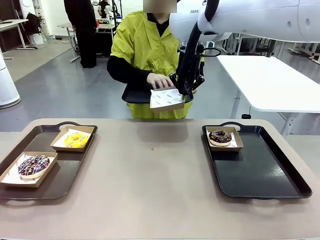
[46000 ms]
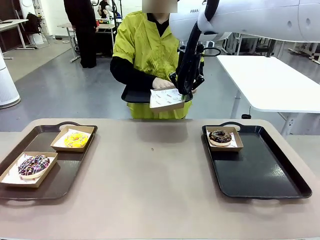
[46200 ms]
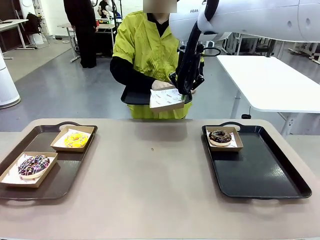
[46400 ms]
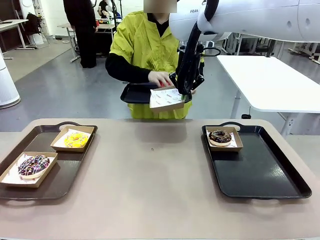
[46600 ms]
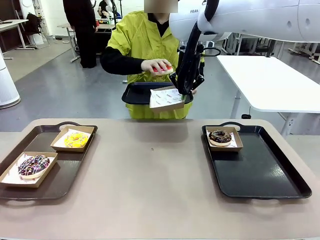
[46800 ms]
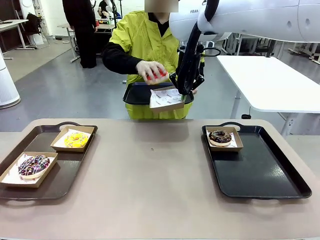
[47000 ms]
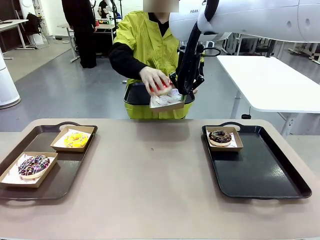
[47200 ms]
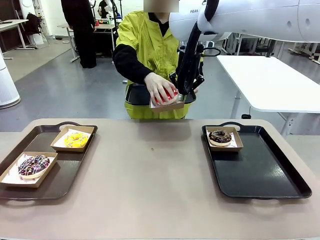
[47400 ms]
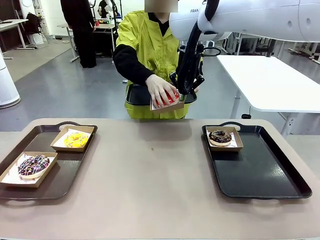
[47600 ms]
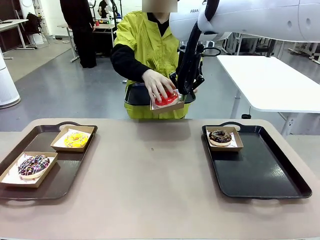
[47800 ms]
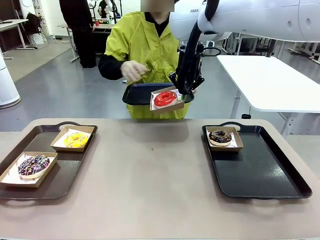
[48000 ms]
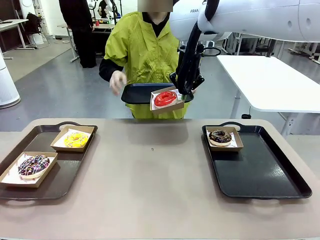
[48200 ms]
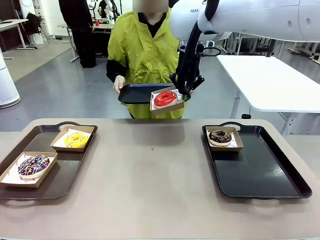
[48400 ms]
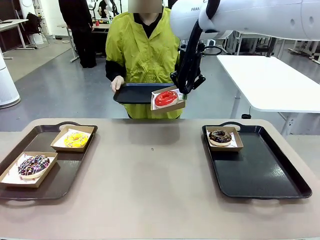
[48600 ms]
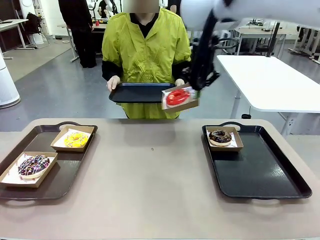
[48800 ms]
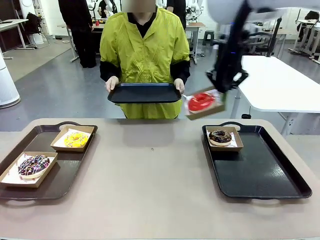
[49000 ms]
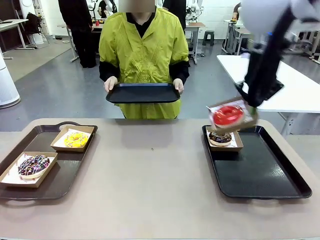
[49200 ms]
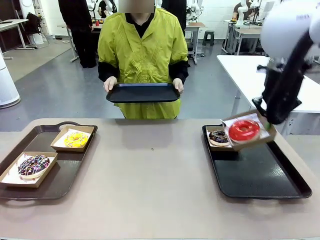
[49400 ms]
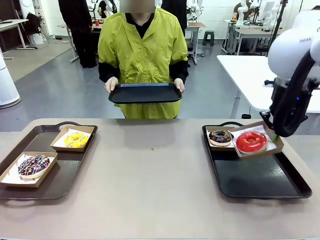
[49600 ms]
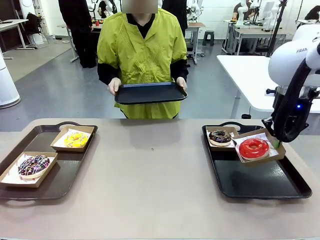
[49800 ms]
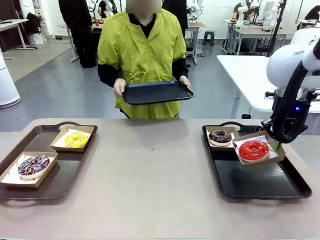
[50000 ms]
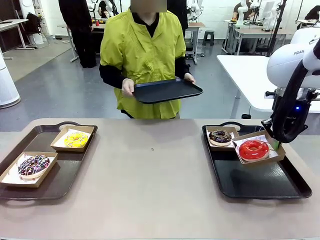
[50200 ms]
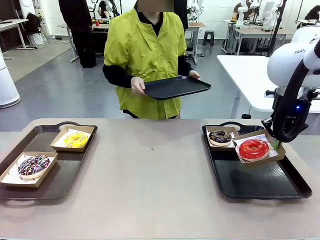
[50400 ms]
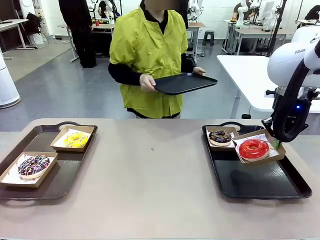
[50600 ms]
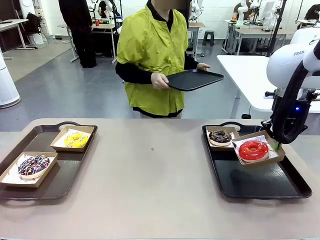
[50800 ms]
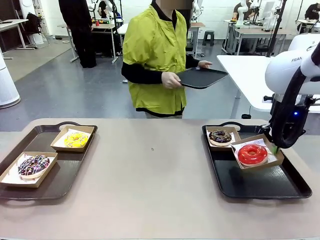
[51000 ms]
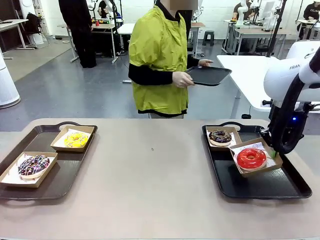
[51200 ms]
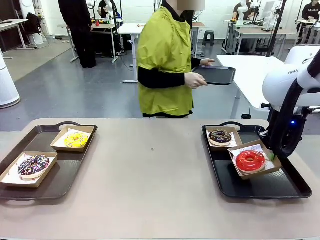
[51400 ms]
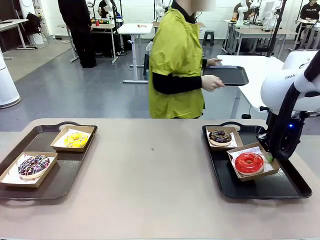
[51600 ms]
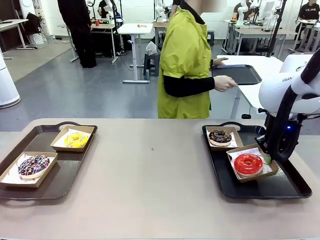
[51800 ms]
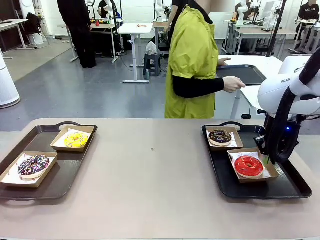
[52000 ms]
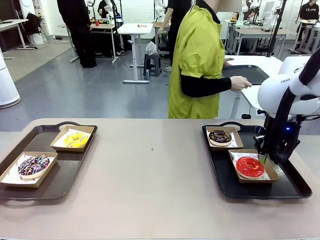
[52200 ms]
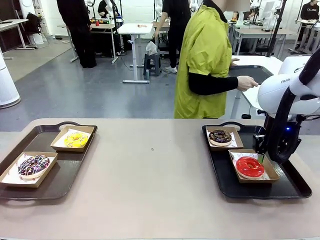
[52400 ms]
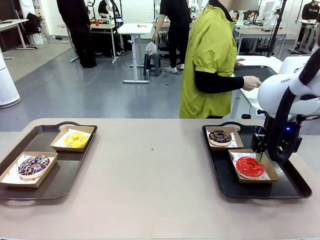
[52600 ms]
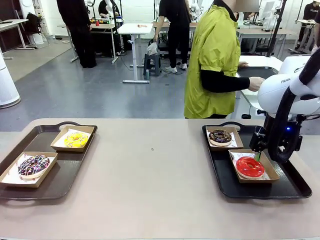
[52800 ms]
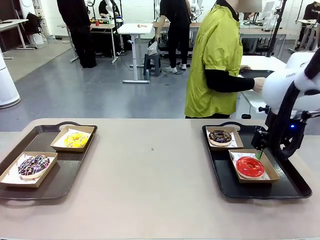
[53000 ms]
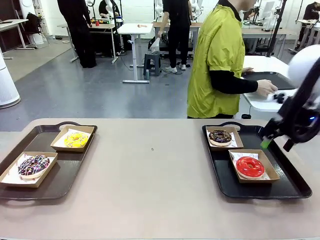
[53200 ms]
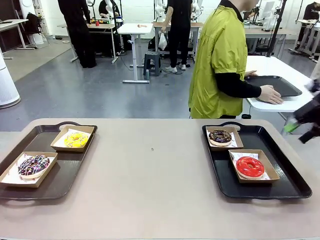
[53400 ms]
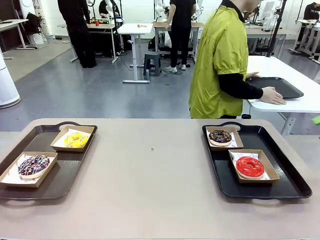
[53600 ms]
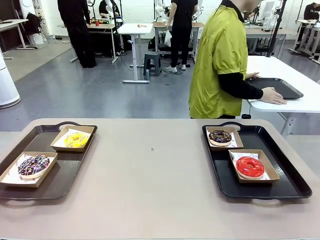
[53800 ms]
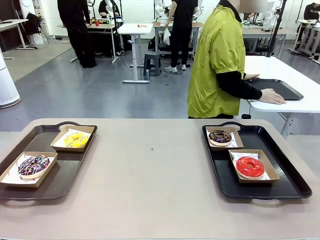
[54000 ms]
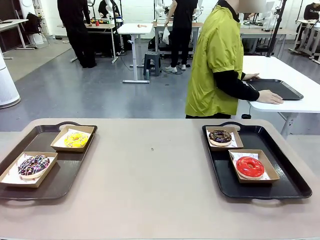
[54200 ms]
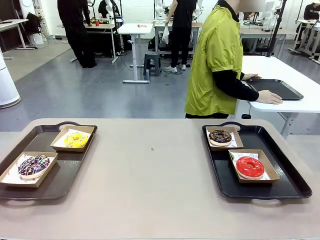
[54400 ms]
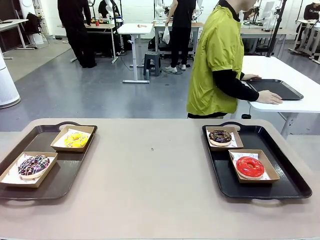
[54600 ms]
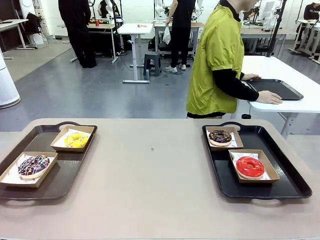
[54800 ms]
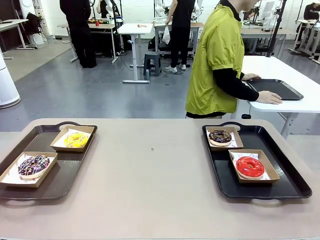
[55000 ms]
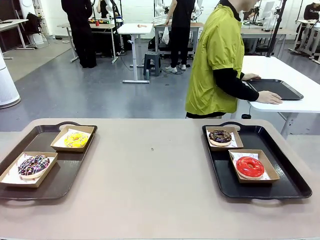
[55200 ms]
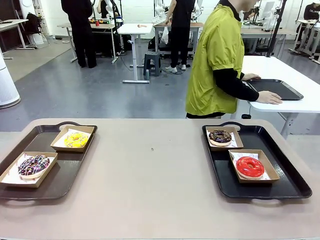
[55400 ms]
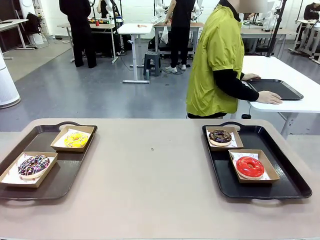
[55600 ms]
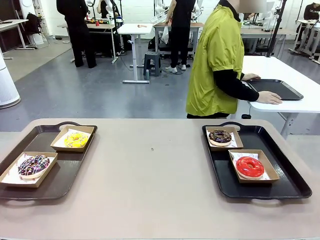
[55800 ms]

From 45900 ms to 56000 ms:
Task: Individually package the donuts and arrange them on the tray.
Robot: Place the picked Paper togo box on the Handle tray.
Person: Place the tray down in the middle of the human table.

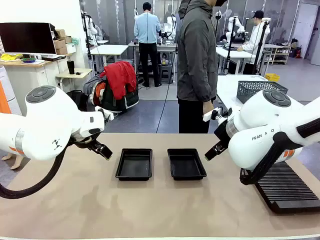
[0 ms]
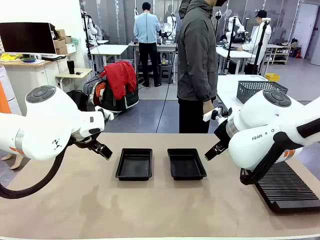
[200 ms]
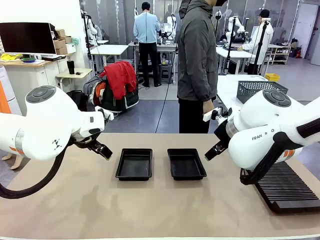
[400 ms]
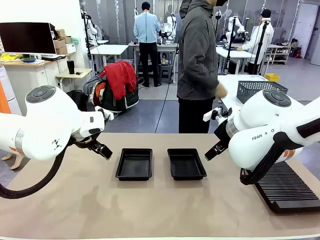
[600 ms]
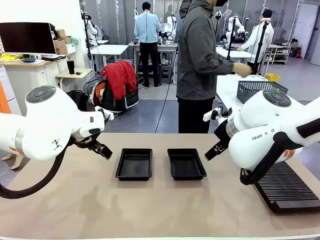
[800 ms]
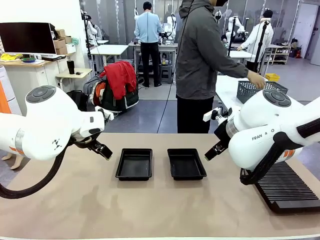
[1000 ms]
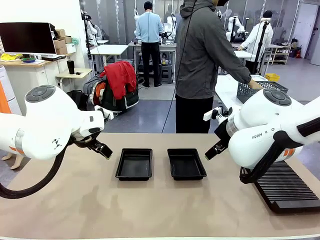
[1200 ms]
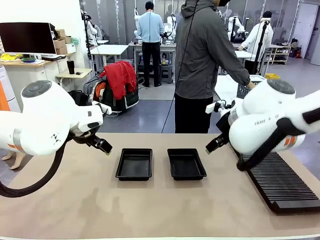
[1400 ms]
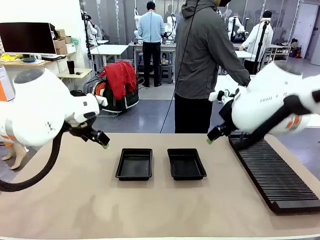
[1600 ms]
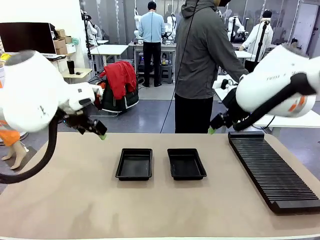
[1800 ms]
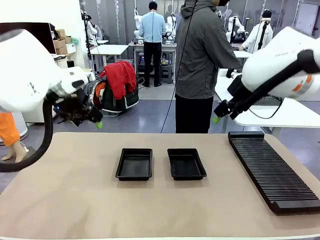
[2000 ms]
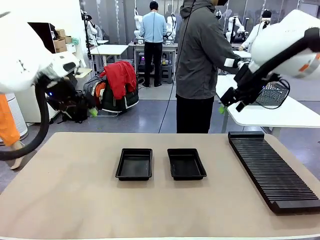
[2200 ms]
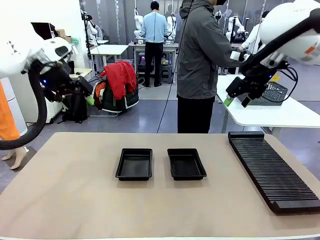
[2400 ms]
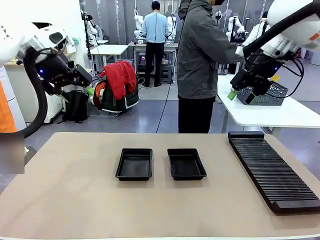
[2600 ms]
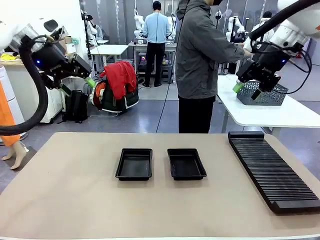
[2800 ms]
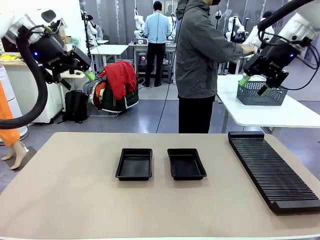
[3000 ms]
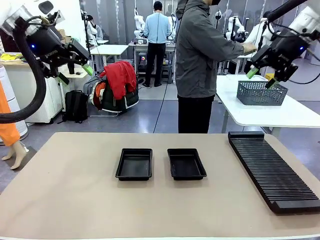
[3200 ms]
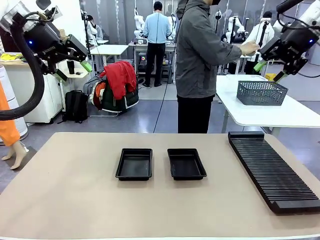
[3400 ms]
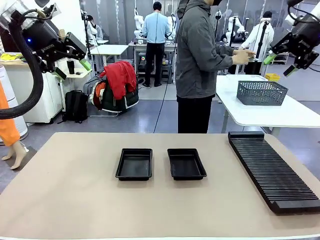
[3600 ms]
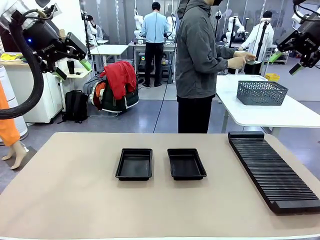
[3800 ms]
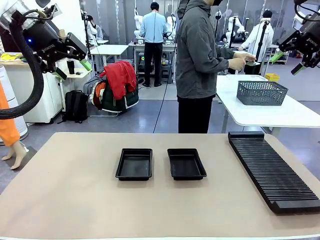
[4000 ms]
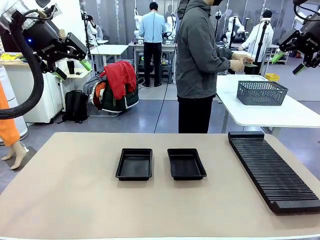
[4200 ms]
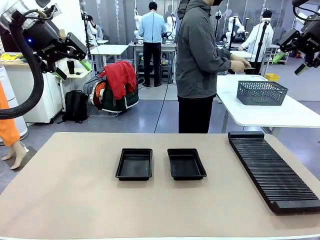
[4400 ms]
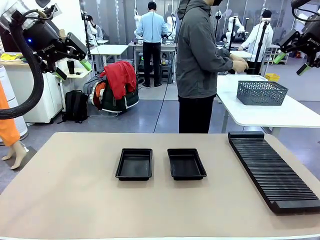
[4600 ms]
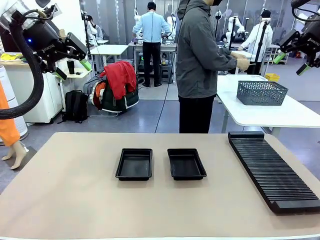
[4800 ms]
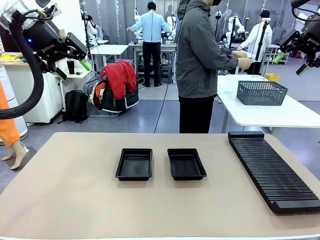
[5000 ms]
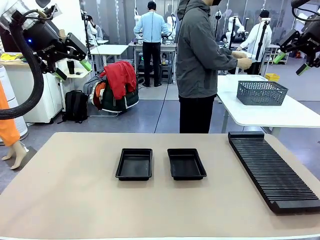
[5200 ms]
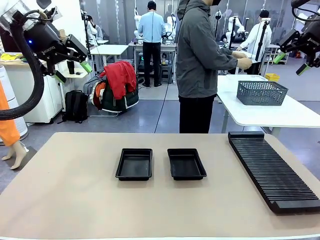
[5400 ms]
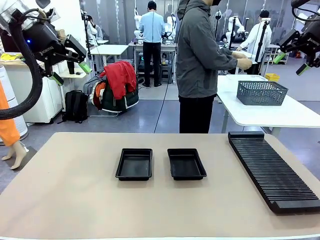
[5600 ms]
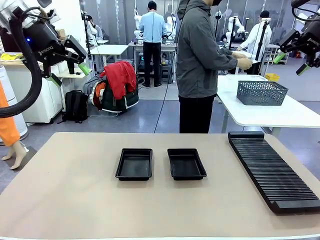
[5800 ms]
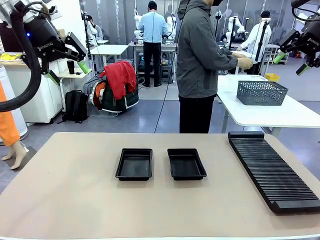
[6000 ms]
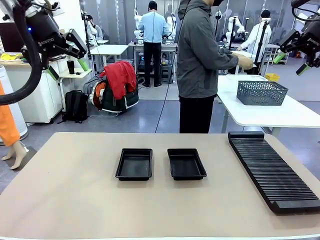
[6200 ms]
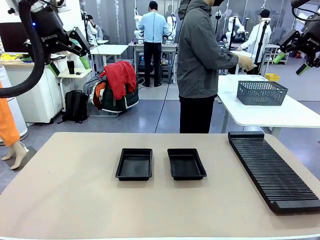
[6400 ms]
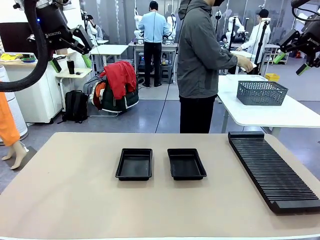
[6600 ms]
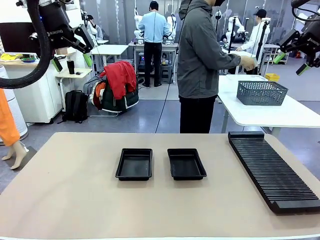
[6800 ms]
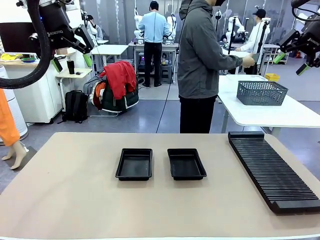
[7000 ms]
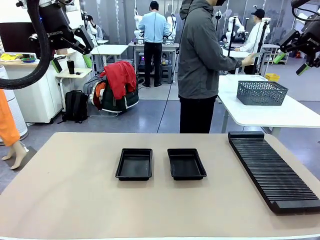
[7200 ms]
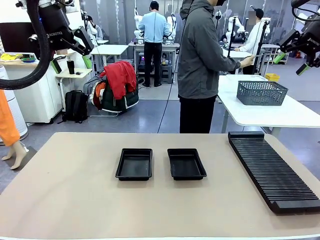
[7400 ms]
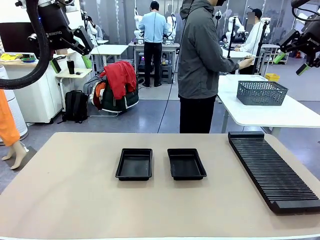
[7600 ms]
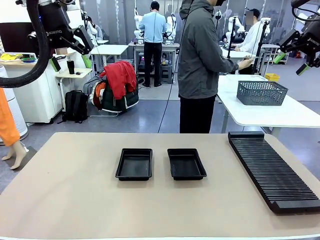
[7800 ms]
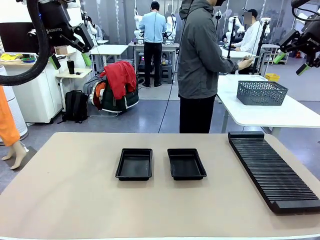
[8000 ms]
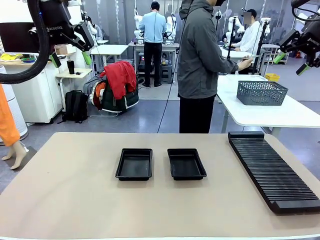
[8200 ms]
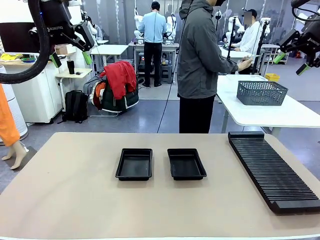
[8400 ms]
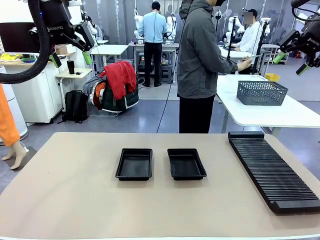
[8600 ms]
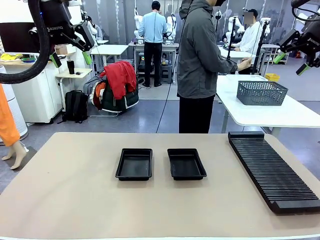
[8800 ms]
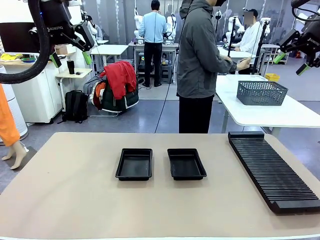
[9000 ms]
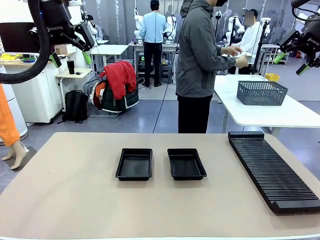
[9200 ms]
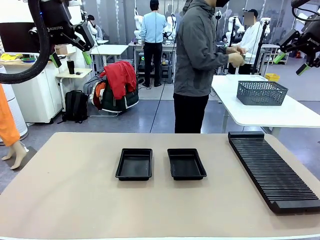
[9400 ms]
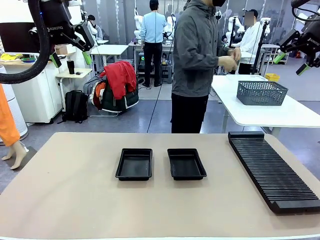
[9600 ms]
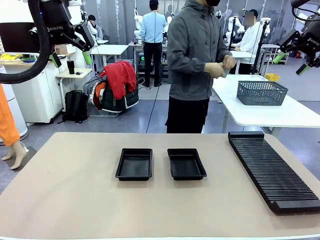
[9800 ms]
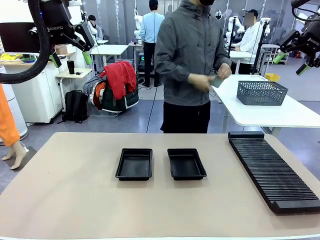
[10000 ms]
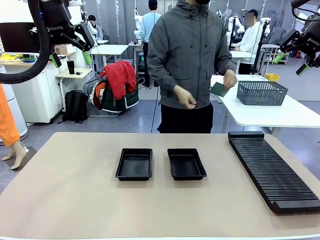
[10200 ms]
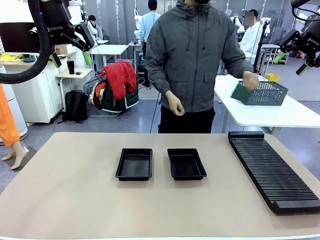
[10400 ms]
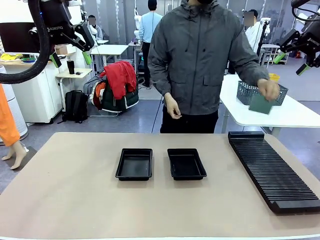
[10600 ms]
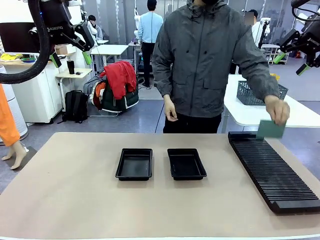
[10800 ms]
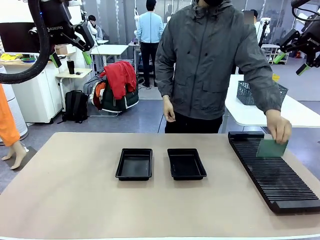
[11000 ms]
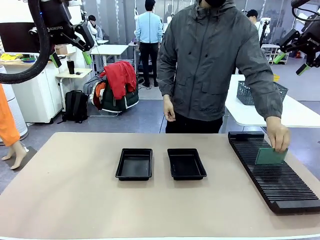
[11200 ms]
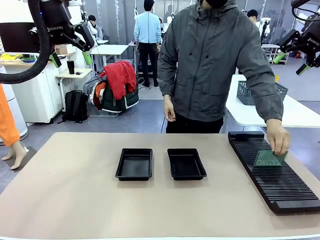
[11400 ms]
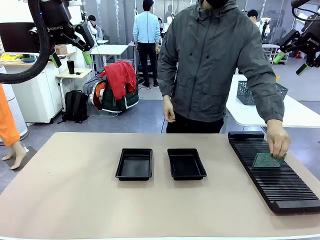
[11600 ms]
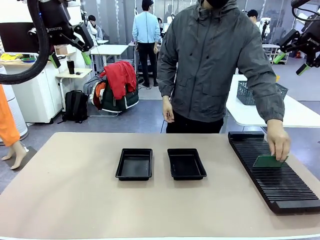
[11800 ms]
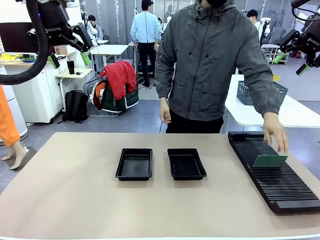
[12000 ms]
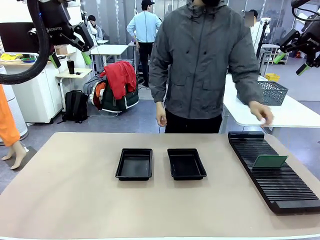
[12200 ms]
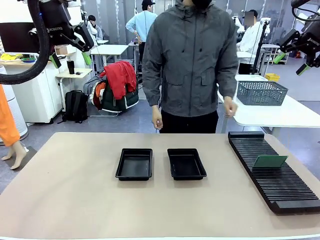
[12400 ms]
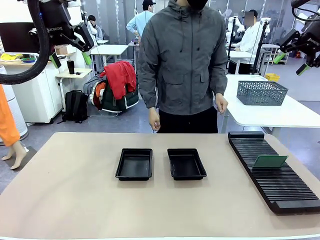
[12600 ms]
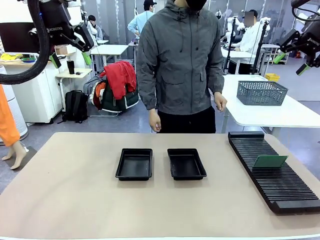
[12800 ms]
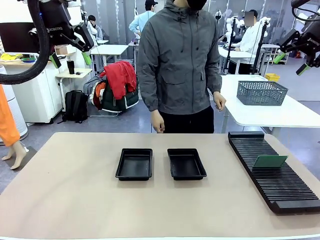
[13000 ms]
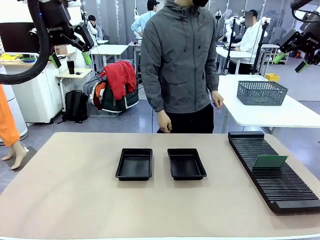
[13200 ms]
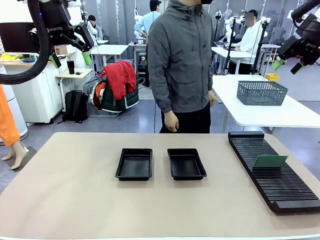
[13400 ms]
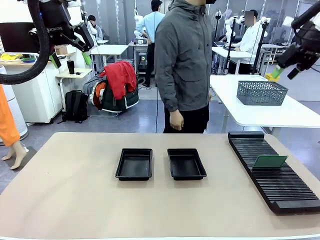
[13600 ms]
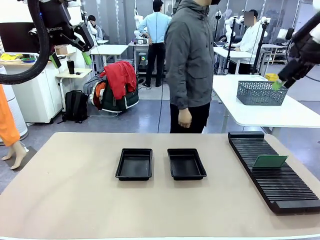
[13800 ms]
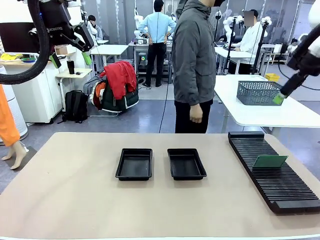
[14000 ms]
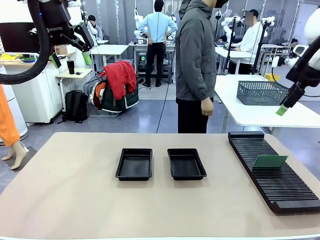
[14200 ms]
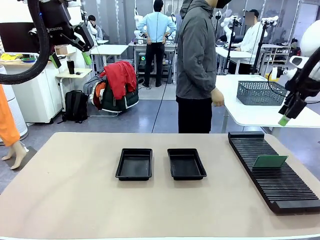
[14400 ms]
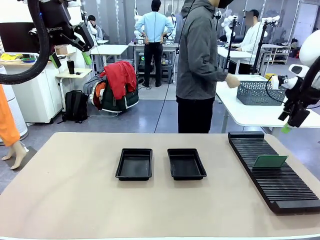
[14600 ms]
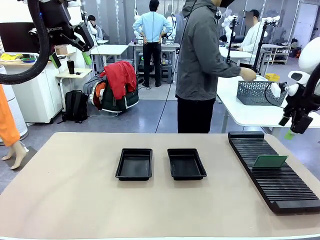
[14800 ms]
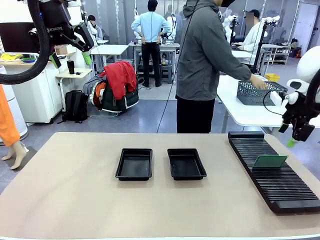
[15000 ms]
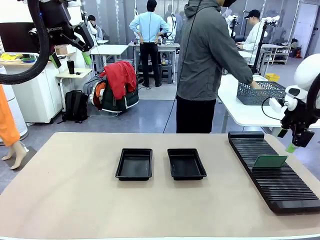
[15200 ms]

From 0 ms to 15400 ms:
Task: Inspect and transfer BCBs to ESD trays.
Robot: Pick up the Blank PCB from the PCB Rack and place it in the left ESD tray.
